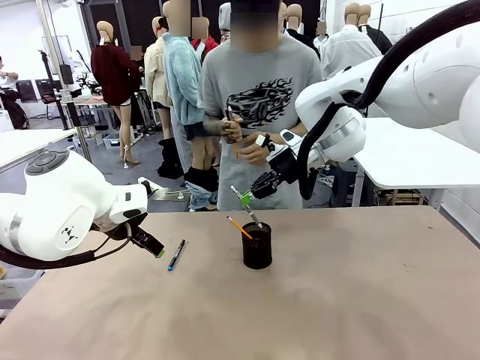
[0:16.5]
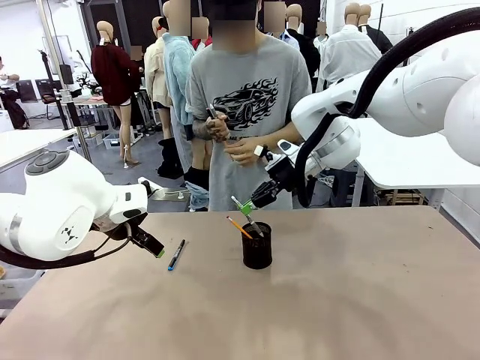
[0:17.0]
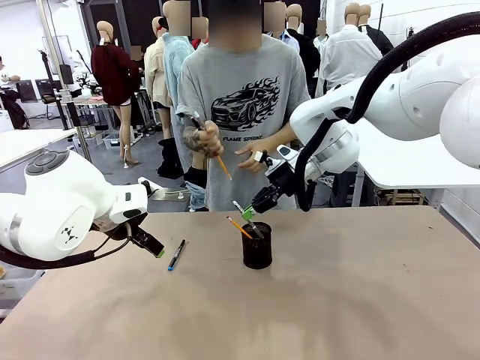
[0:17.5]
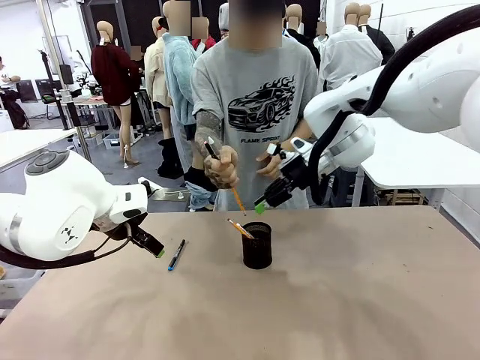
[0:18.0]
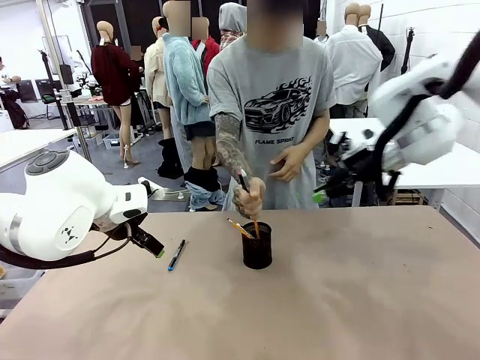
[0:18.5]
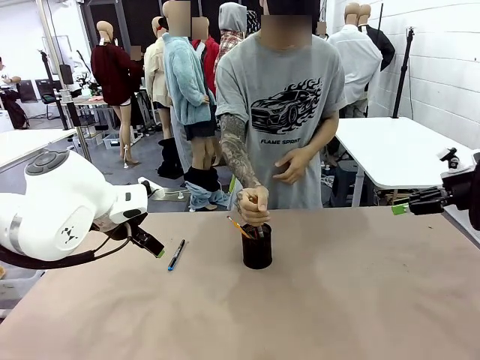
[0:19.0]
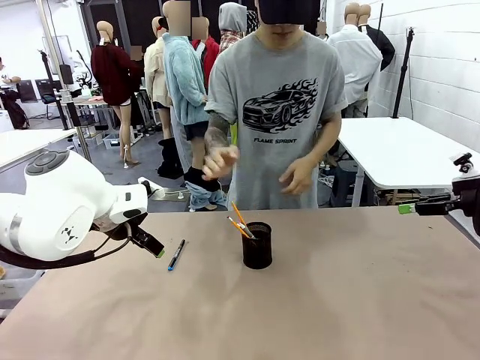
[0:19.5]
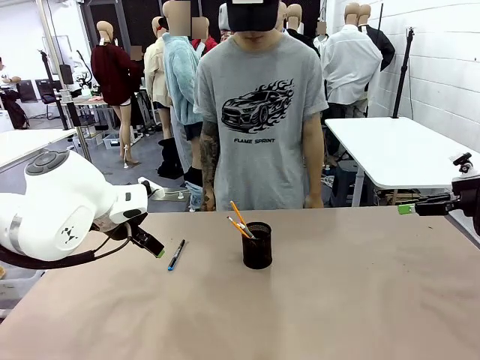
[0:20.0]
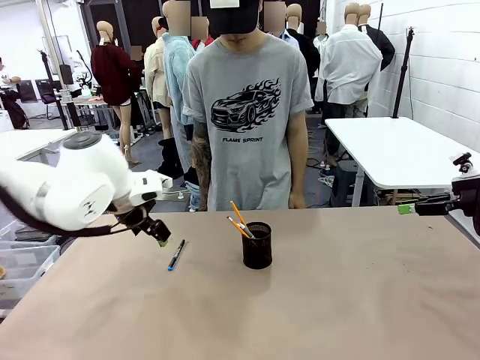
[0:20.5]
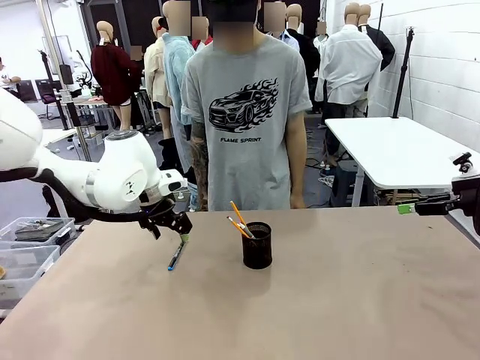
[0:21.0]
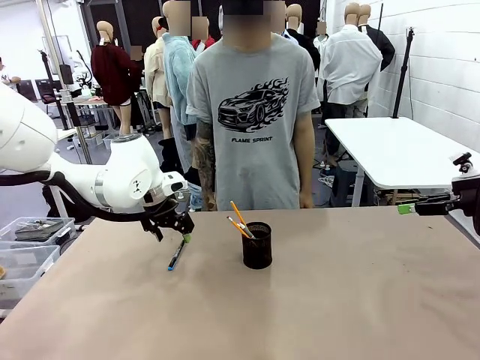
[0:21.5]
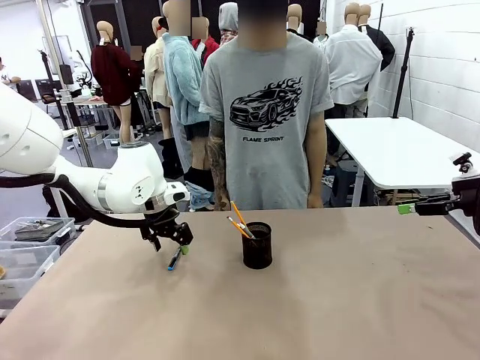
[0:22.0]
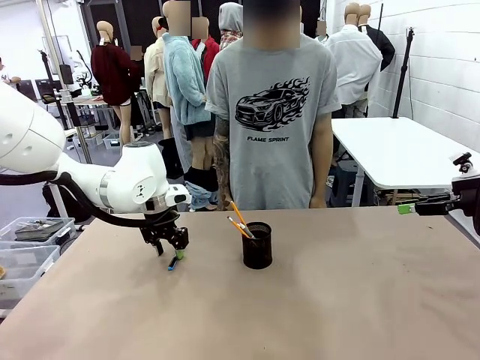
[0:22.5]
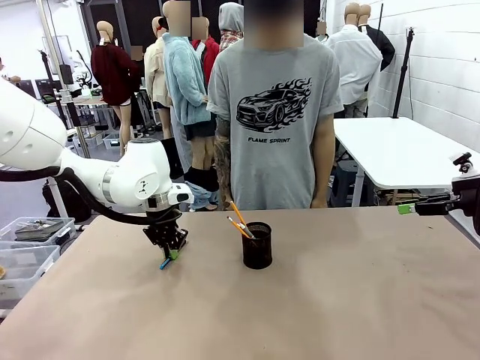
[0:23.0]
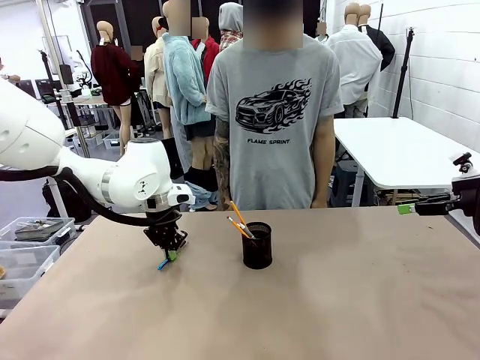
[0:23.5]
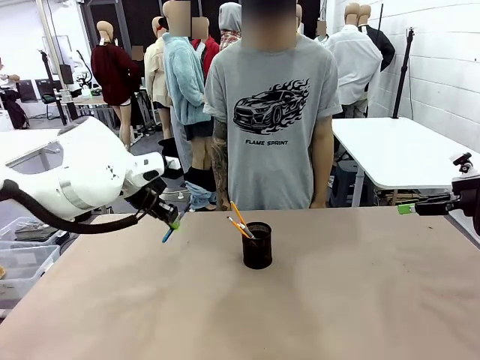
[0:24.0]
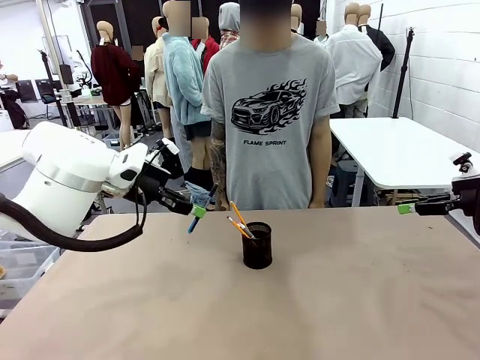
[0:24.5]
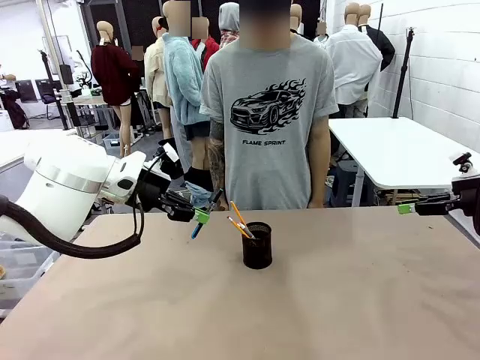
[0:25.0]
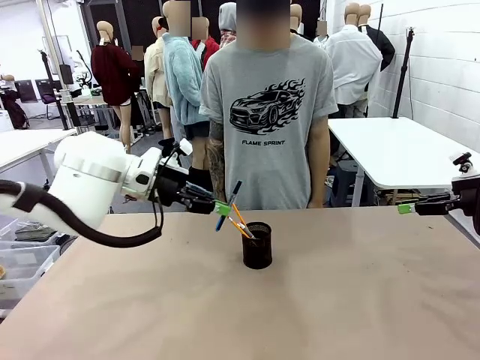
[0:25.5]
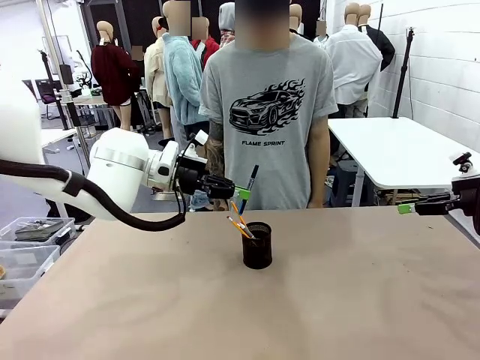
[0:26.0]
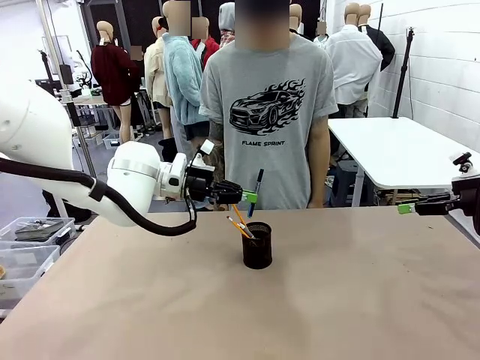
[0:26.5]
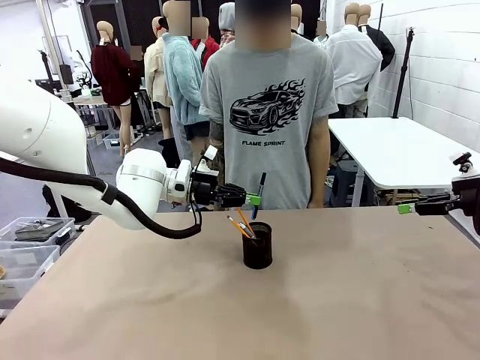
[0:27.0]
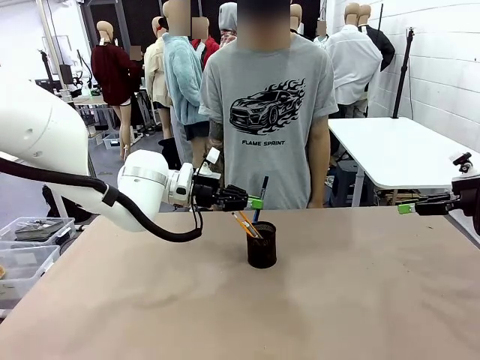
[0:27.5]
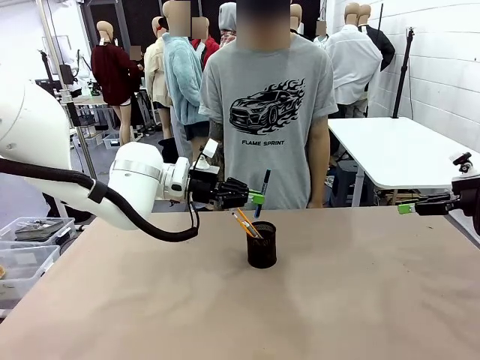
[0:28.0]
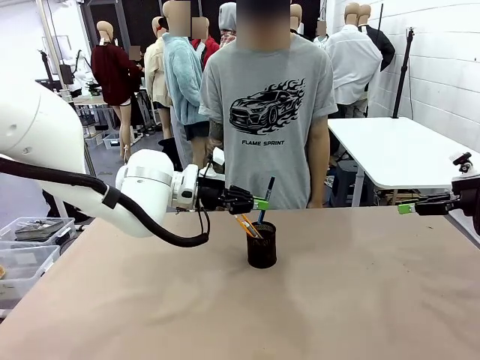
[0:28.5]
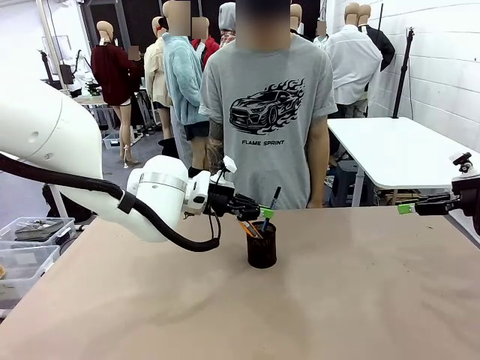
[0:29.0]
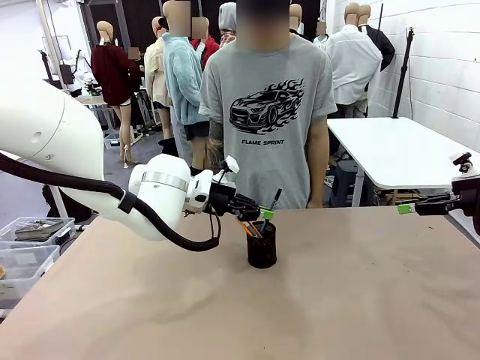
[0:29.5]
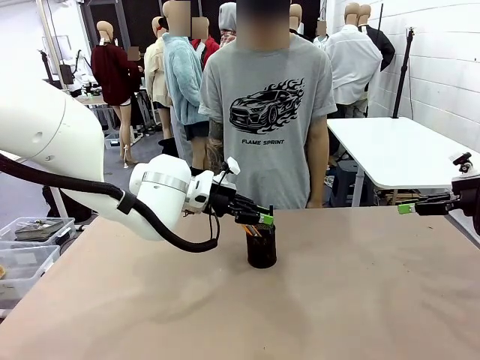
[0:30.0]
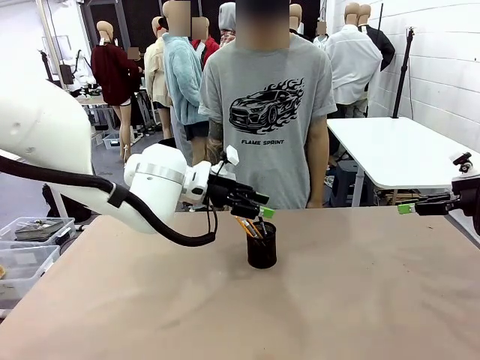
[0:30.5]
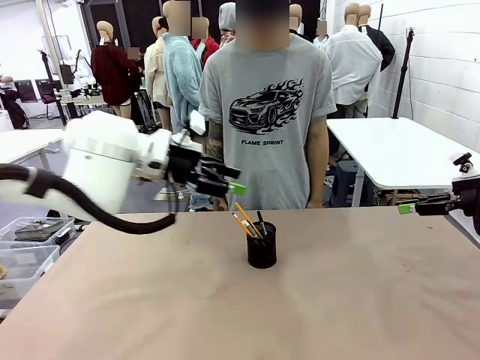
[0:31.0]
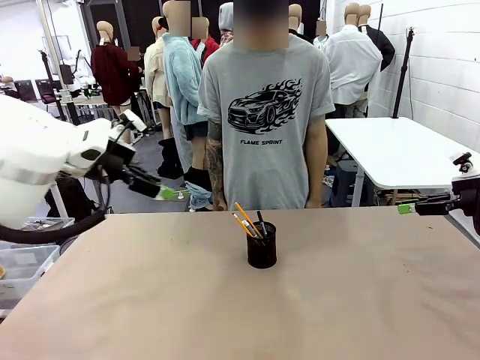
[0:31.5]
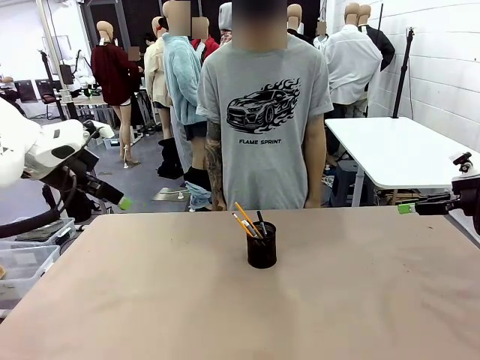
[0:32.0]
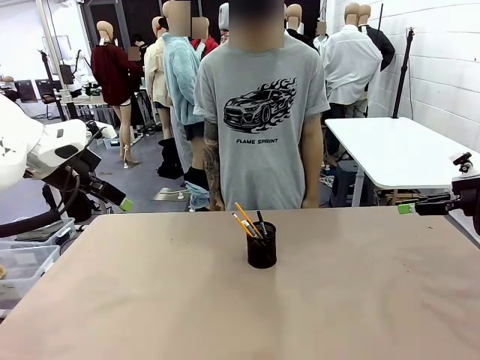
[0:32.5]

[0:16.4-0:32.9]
Task: Place the pens into the pen holder.
Robot: Pick up a writing instrument from the table and place it into the Pen holder.
Person: Place all writing instrument into the Pen holder.

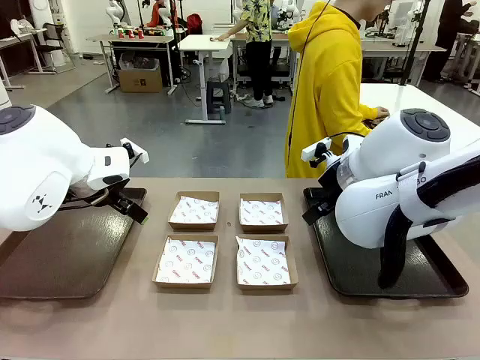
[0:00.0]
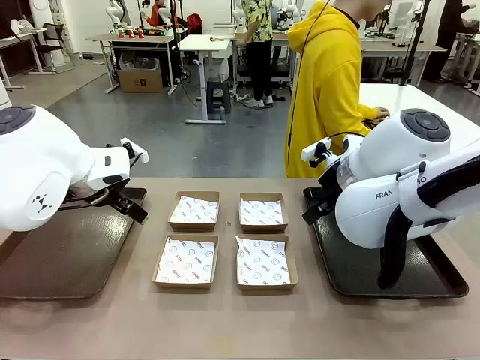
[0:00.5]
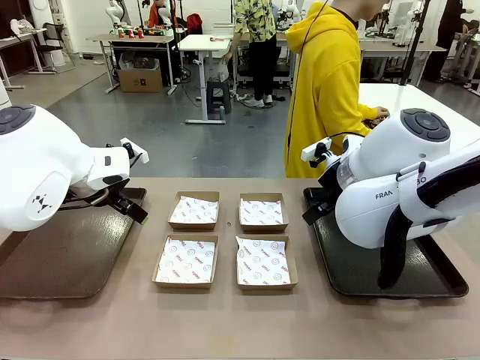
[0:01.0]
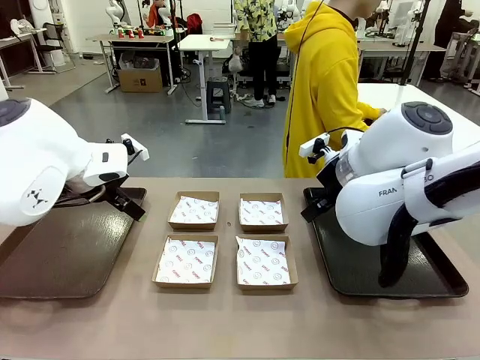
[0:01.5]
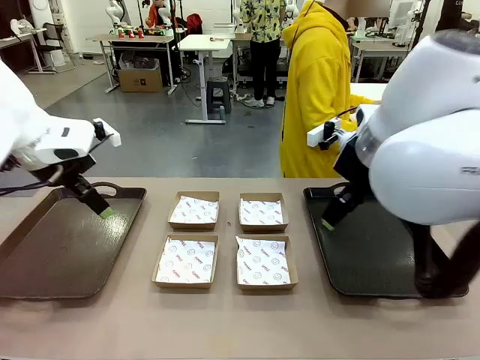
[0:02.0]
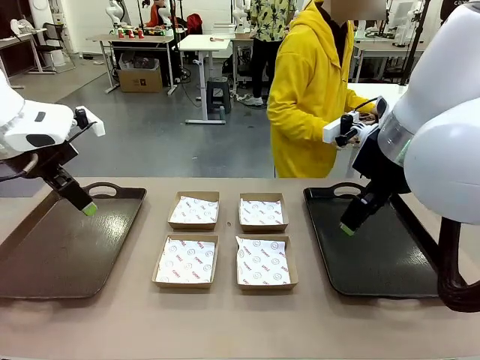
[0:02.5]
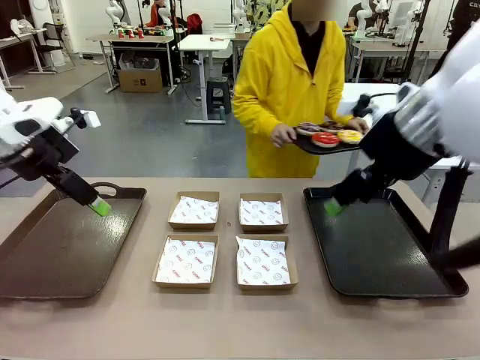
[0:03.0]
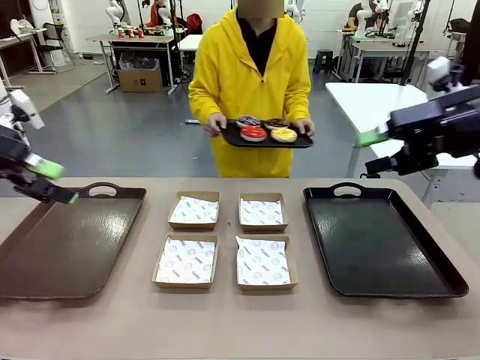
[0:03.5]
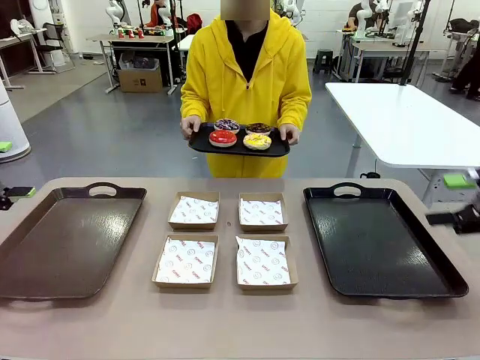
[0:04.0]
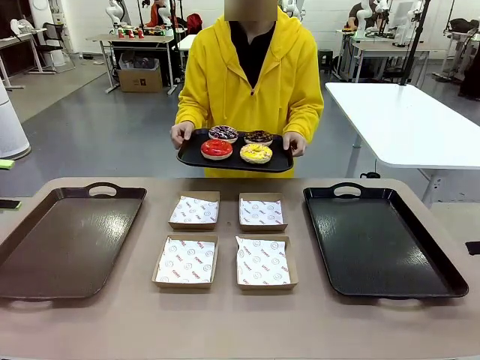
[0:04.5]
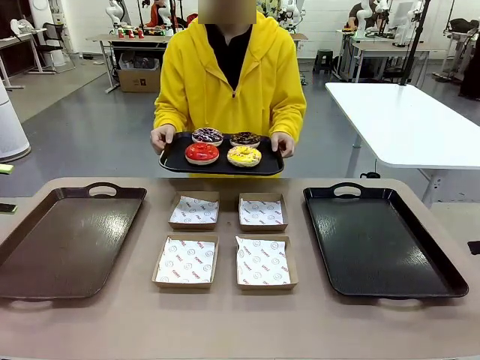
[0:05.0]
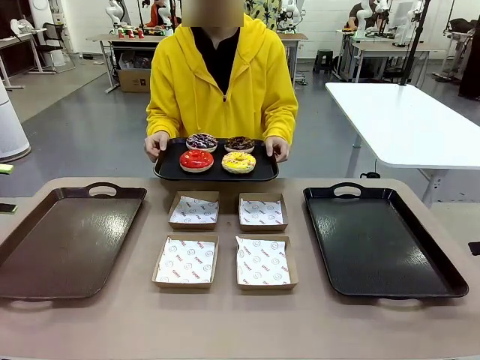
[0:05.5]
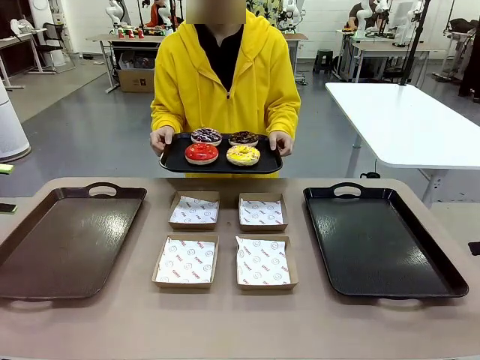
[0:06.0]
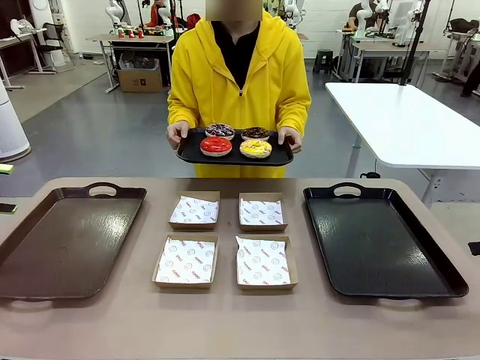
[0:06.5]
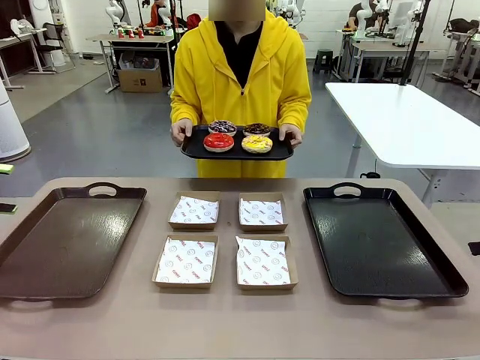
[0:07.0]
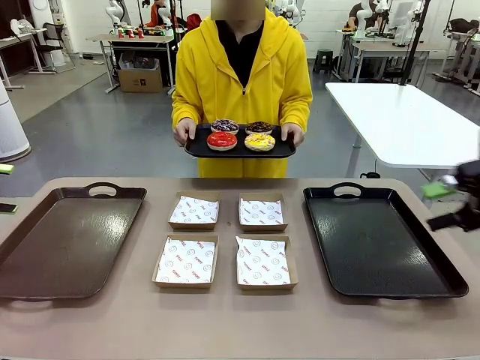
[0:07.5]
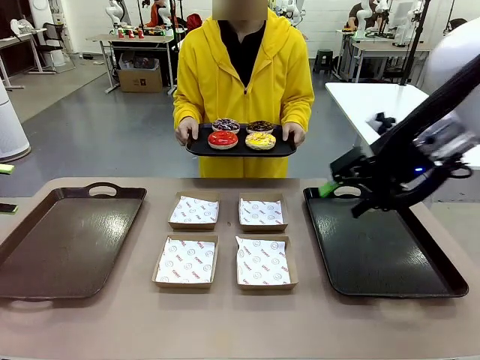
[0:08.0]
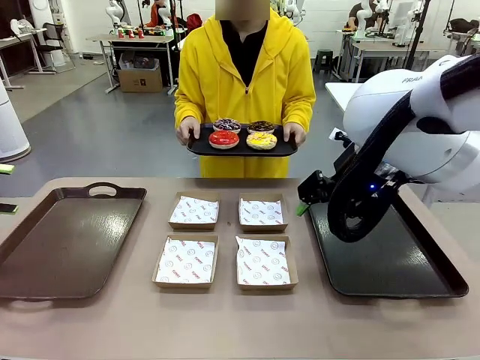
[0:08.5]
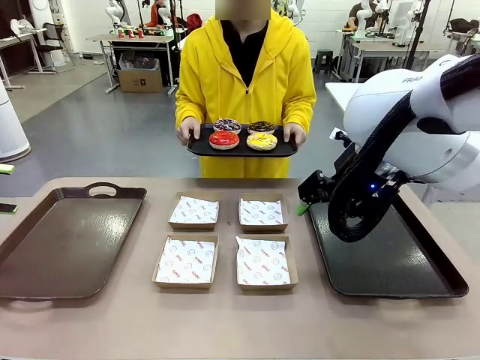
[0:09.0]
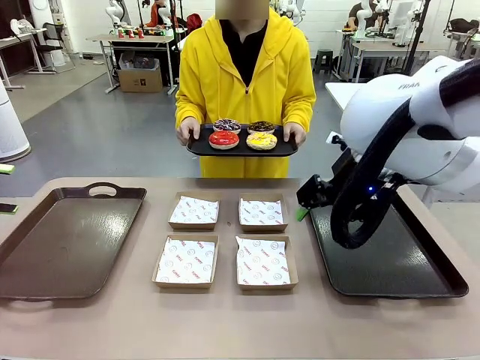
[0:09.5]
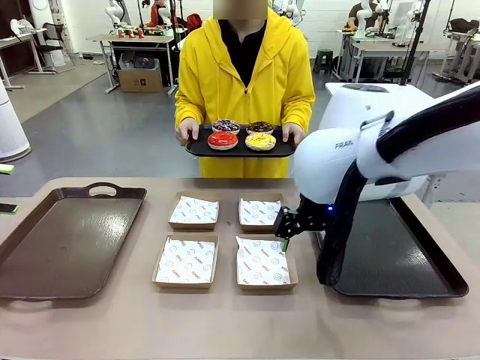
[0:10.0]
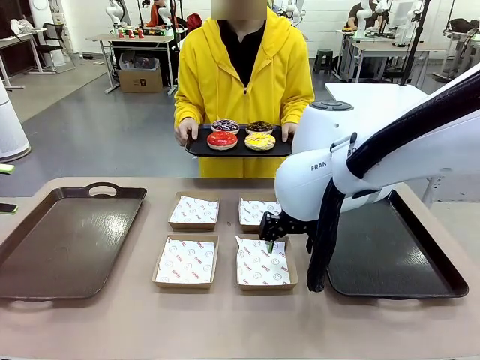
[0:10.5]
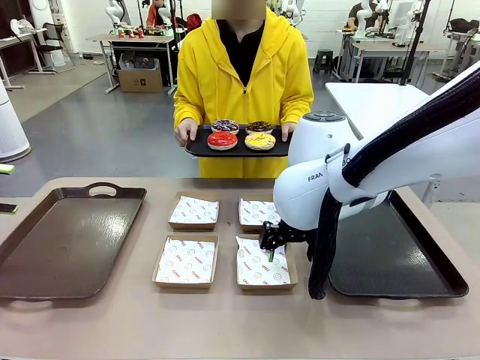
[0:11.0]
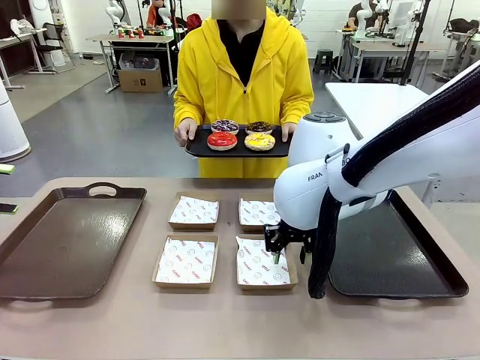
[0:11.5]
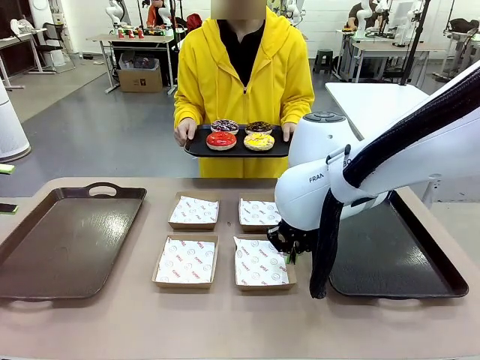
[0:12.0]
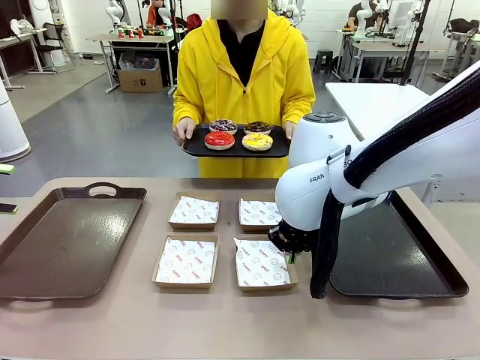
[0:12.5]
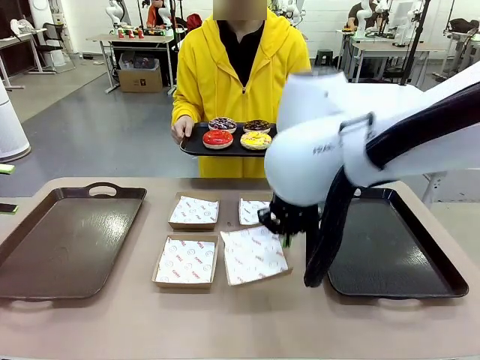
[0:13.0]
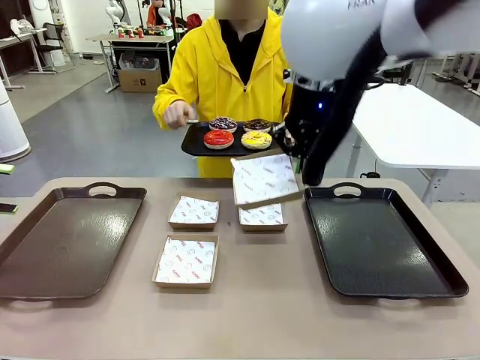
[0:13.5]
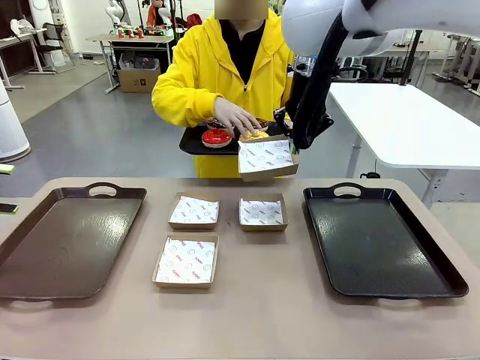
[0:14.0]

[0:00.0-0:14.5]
Task: Individually package the donuts and arrange them on the tray.
Robot: Pick up one Paper togo box.
Person: Stand in front of the robot table holding the tray containing the donuts.
